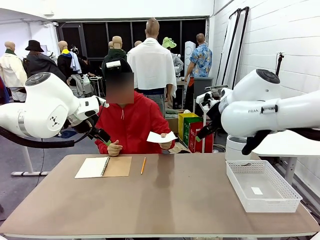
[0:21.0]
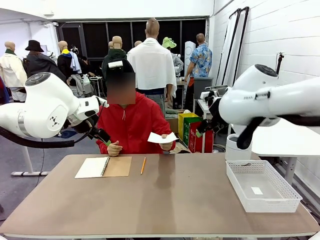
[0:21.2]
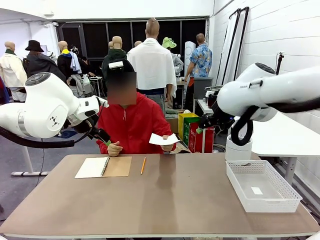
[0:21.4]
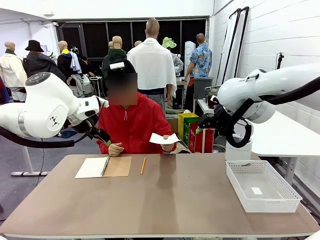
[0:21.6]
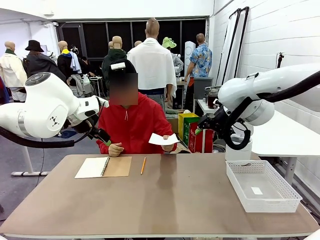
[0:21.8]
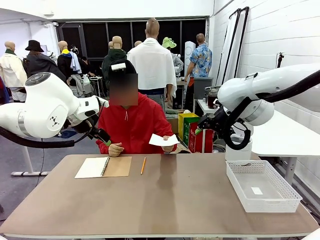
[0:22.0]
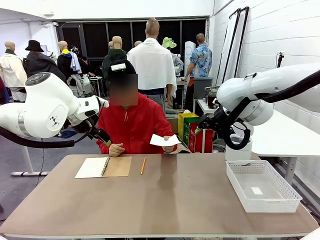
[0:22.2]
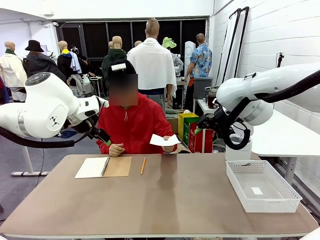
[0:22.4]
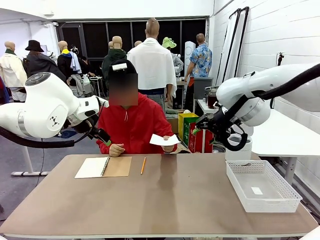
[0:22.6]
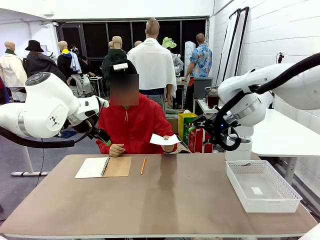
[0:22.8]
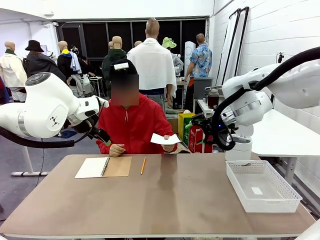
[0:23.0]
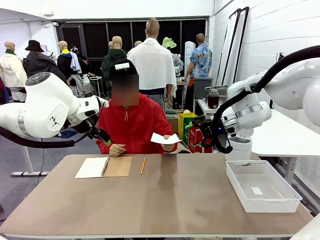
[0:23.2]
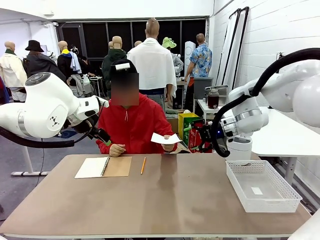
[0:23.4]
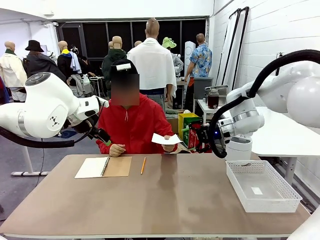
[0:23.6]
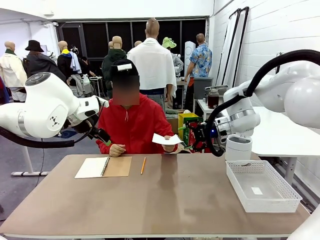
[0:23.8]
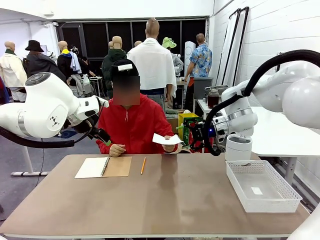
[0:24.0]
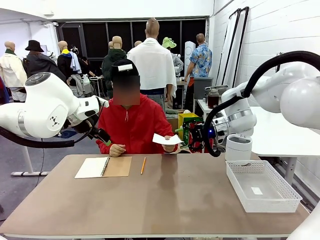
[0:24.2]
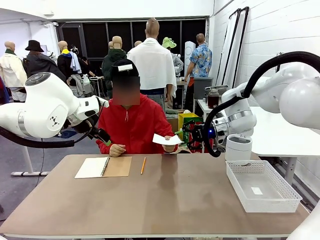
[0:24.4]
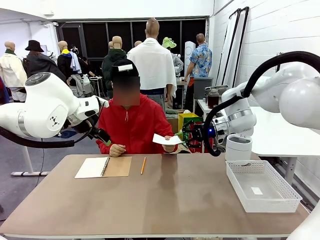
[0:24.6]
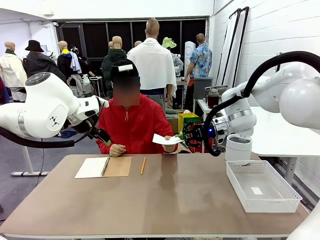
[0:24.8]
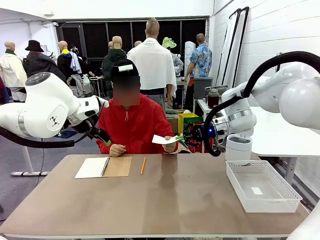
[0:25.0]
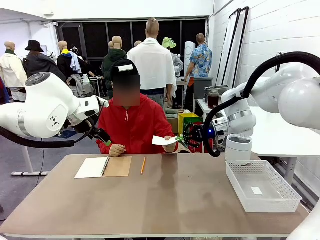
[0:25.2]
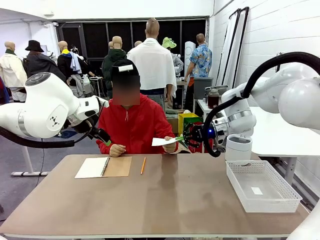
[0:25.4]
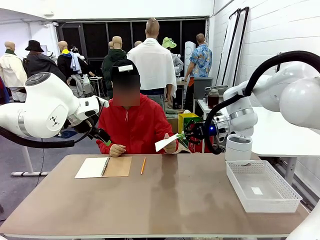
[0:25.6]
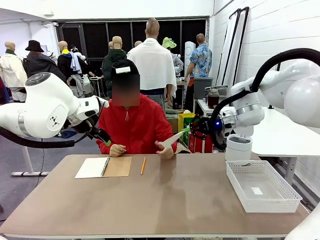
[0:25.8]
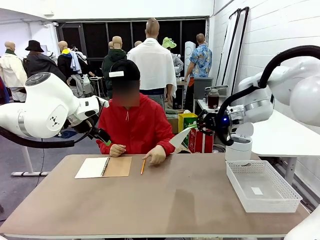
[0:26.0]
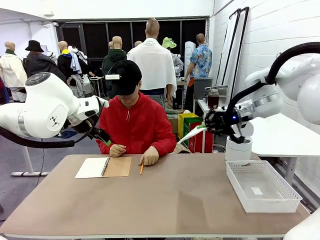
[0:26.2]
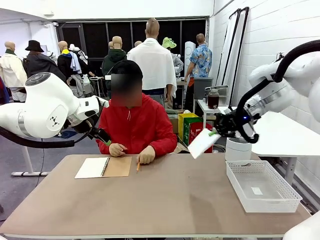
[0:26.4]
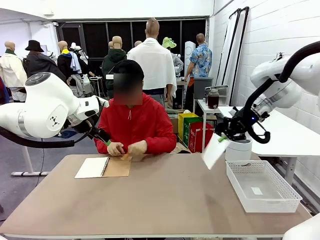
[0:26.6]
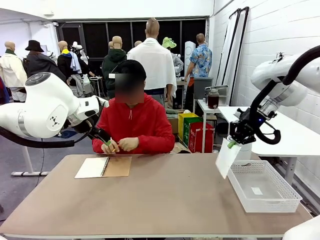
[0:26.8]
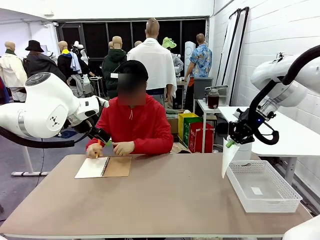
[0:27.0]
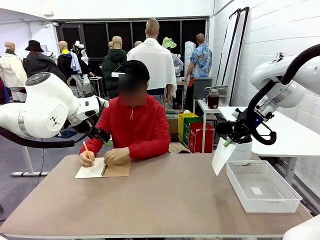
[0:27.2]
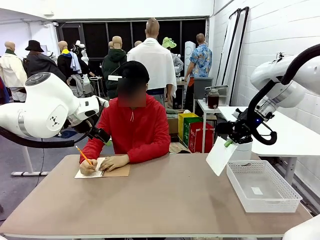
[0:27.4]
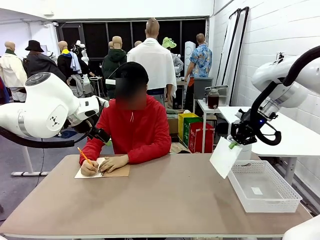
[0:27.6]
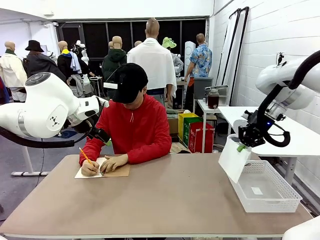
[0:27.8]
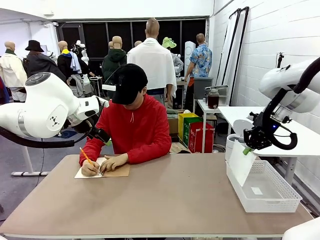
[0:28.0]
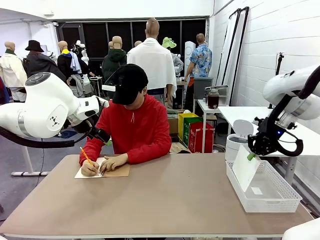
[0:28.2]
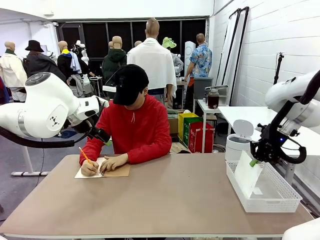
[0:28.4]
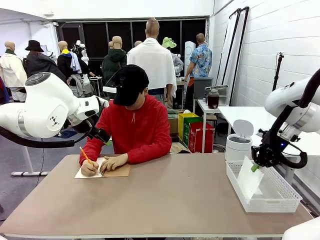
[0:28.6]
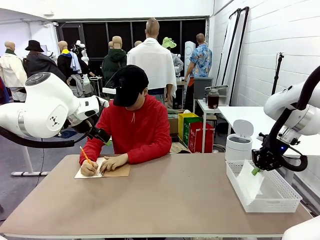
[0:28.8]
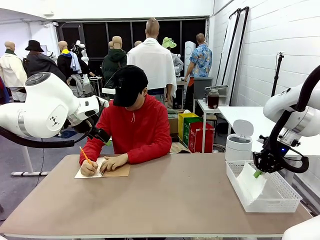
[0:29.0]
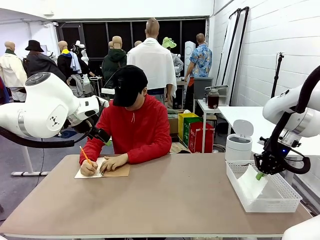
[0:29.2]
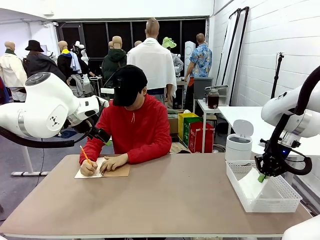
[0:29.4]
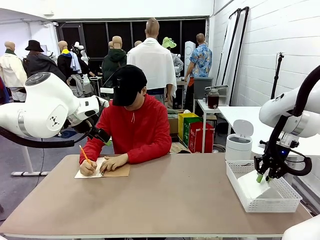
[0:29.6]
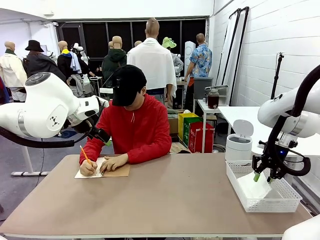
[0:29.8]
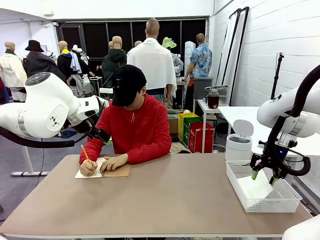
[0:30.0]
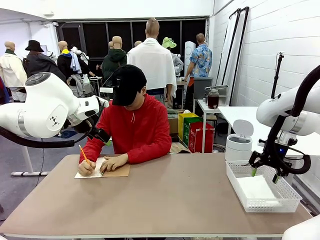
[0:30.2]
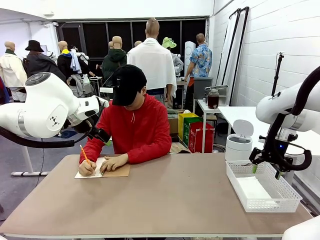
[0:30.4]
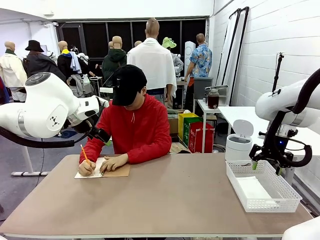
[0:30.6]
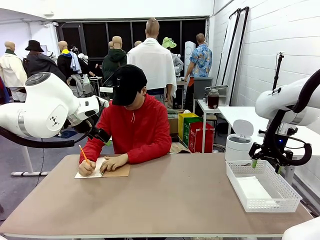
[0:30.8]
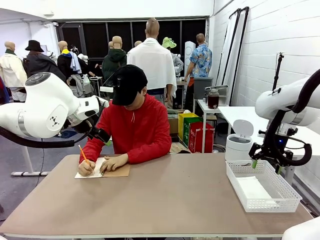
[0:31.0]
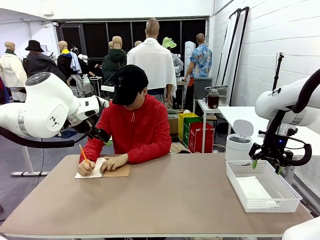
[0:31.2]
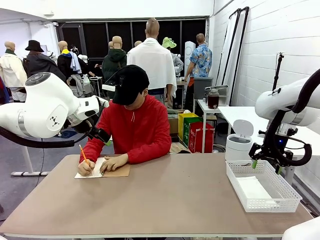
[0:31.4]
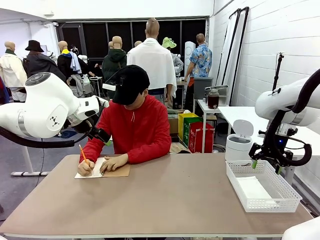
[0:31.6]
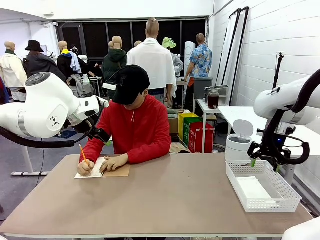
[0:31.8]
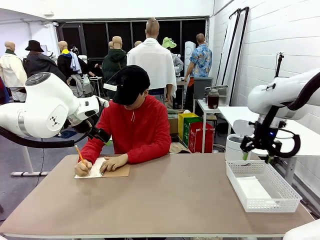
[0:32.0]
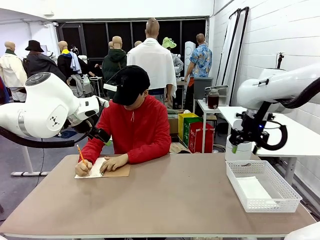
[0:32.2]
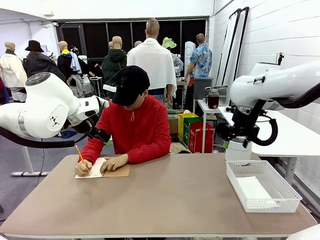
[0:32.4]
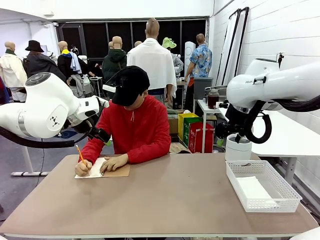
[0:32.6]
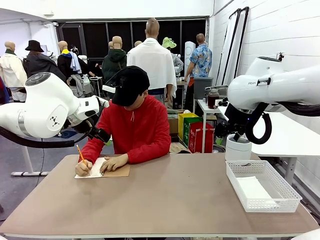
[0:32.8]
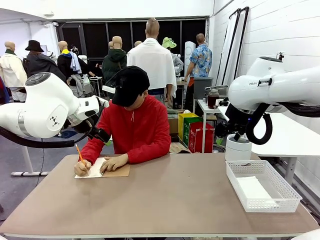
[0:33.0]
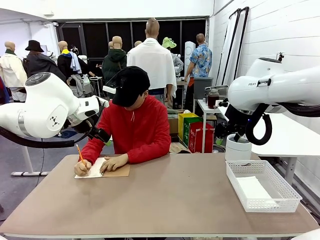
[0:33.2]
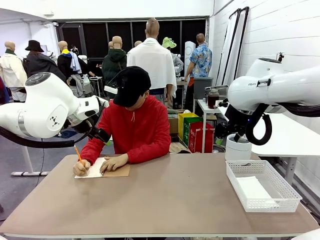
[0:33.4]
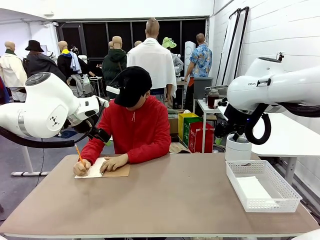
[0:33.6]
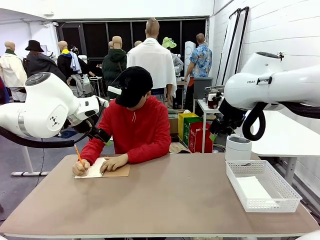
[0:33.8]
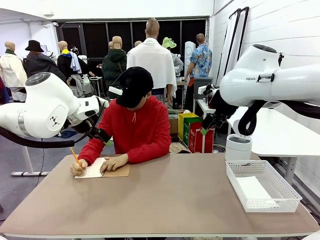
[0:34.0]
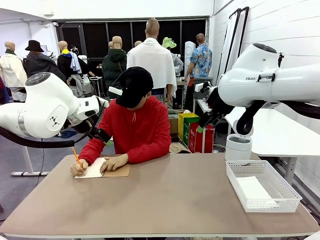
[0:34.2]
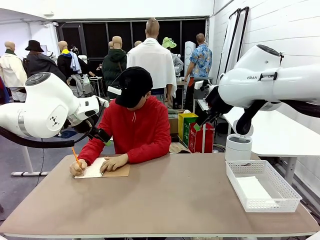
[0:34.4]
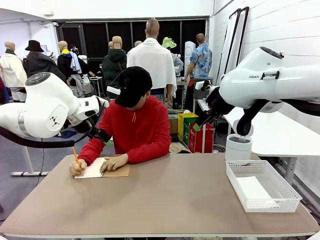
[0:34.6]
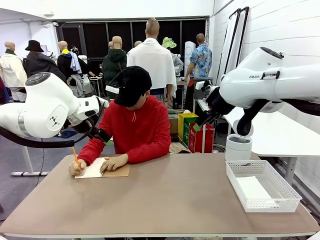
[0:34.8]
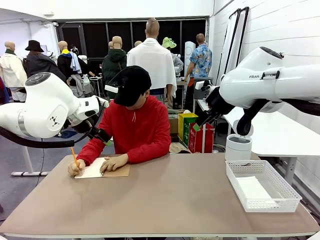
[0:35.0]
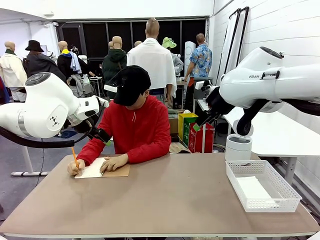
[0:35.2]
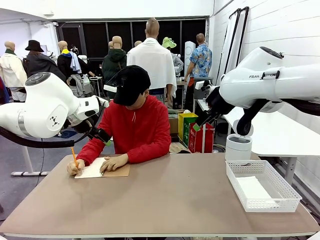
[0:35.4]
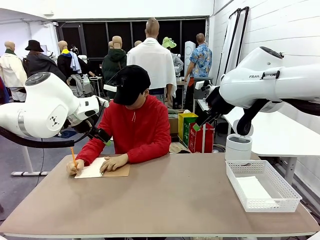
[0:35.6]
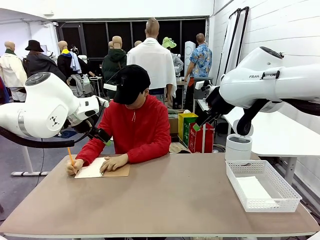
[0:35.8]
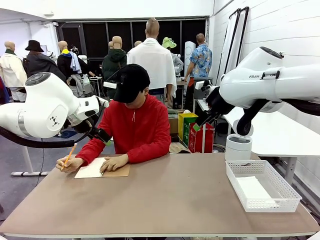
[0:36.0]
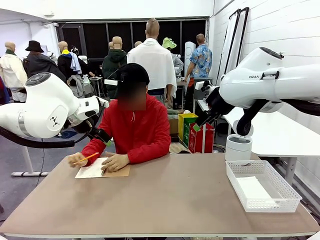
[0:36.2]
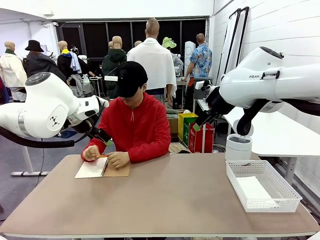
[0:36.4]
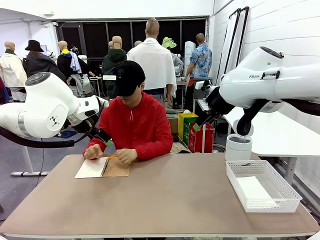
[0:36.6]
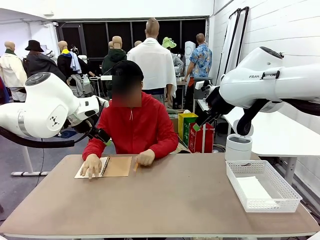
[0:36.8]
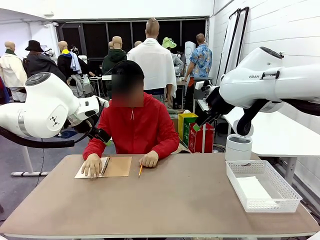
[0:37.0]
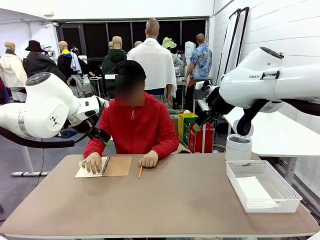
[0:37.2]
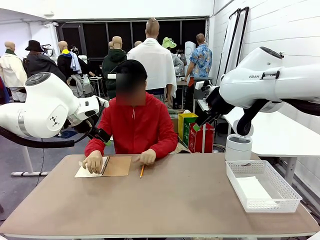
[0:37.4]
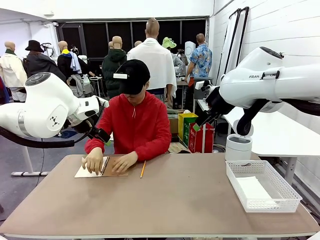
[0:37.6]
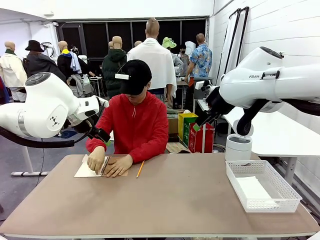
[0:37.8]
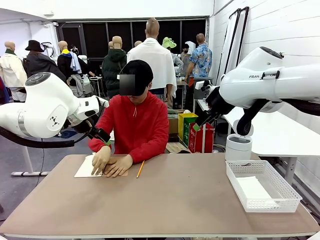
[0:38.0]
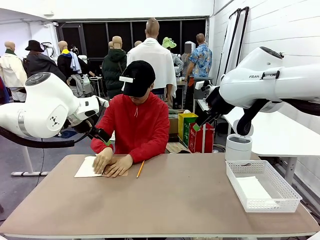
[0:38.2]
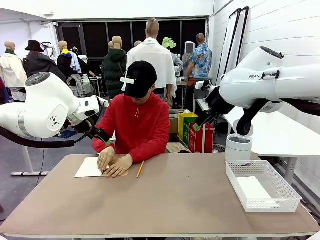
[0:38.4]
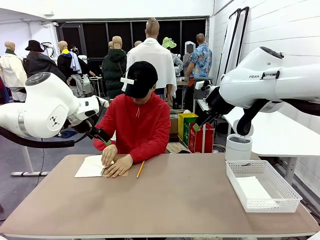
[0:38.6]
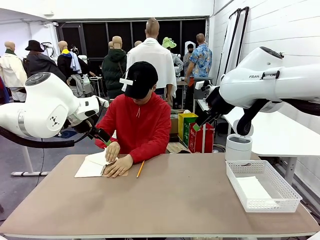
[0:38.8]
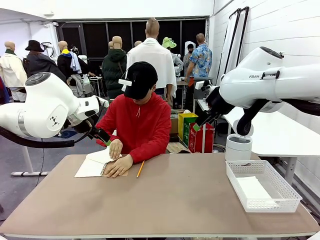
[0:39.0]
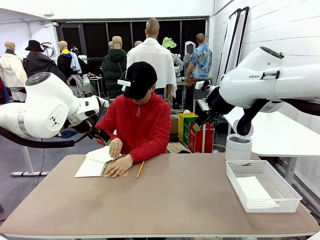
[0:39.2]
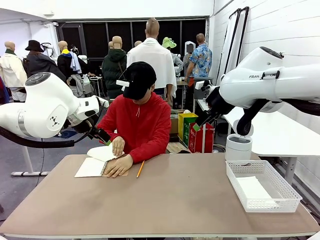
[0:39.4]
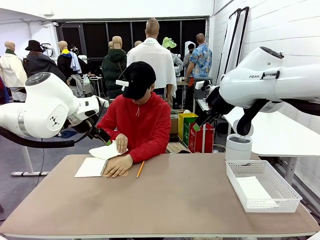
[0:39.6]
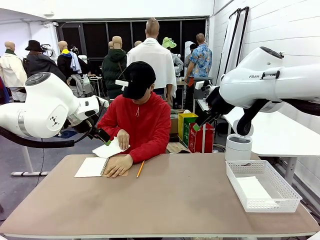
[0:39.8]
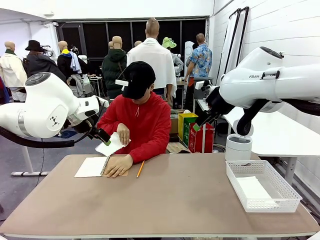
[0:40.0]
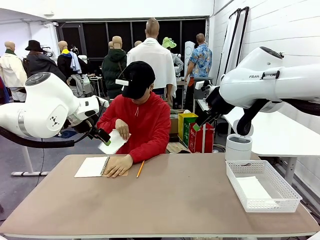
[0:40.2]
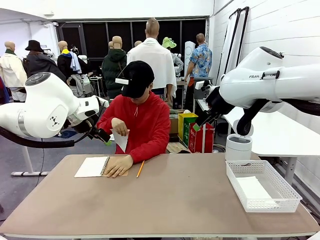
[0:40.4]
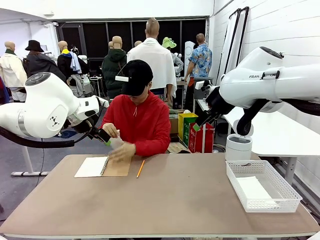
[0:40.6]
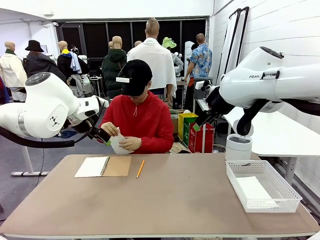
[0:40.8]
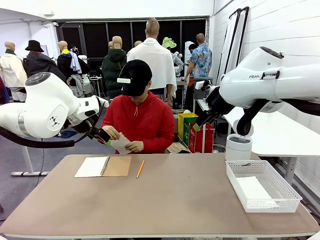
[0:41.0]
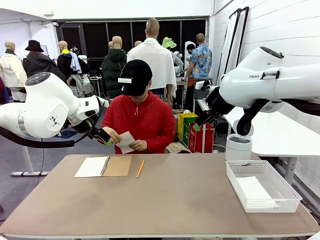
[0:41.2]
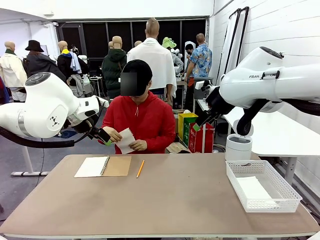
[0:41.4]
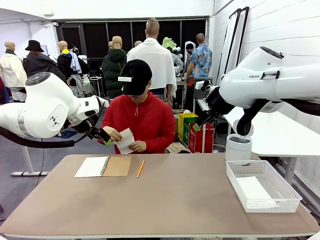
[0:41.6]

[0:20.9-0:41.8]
Task: Sort the paper based on its condition.
Robot: If a person hands you a paper, place it in the Organizing basket , and if it's crumpled, put it in the Trash can.
Person: Tear out a page from the spiral notebook.
